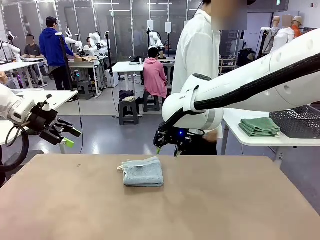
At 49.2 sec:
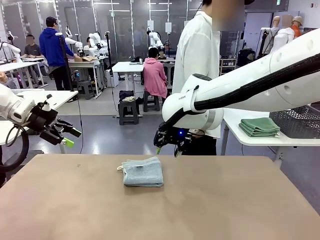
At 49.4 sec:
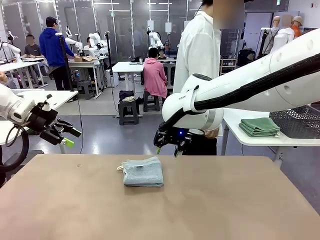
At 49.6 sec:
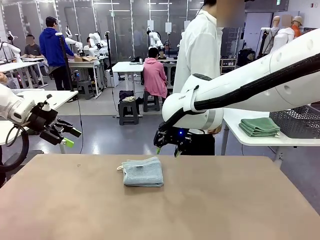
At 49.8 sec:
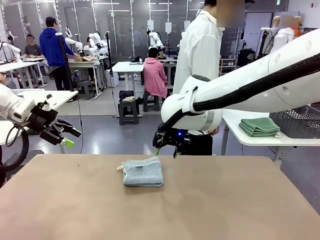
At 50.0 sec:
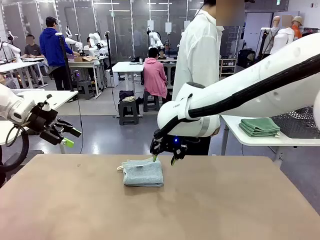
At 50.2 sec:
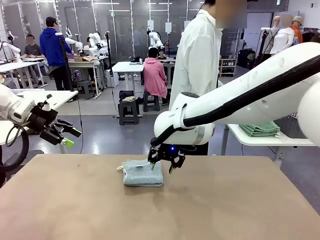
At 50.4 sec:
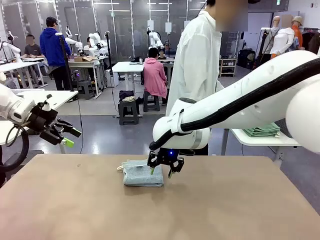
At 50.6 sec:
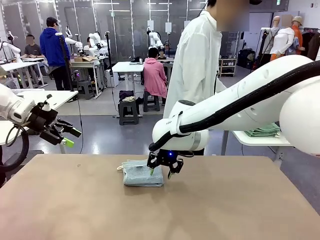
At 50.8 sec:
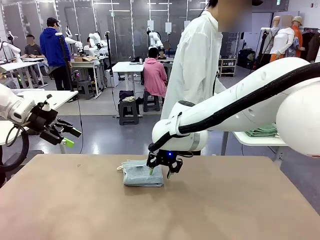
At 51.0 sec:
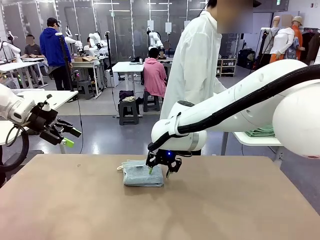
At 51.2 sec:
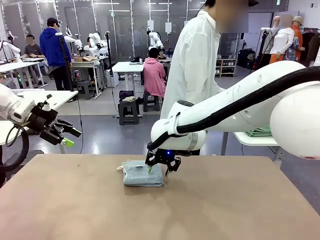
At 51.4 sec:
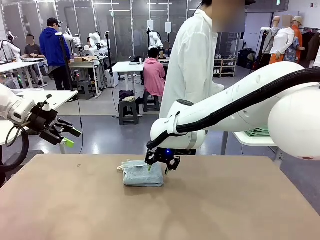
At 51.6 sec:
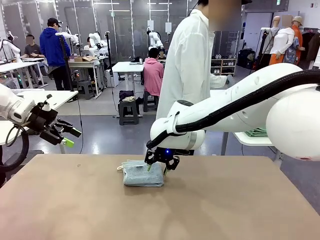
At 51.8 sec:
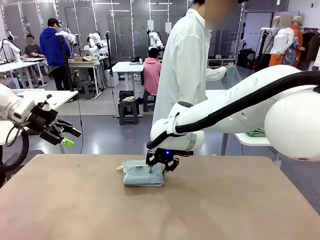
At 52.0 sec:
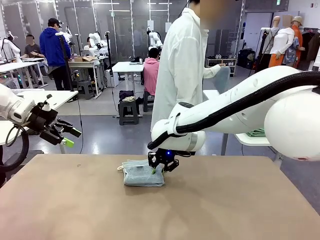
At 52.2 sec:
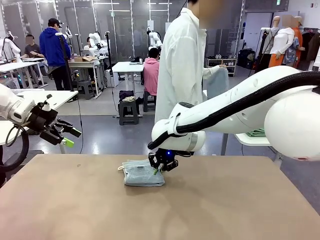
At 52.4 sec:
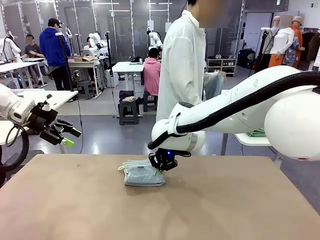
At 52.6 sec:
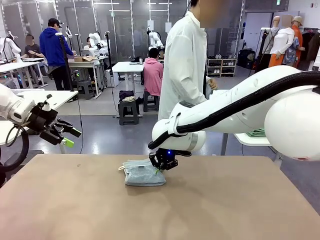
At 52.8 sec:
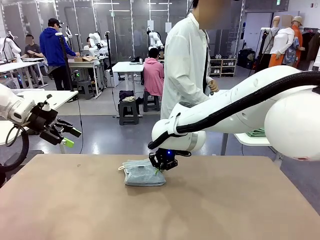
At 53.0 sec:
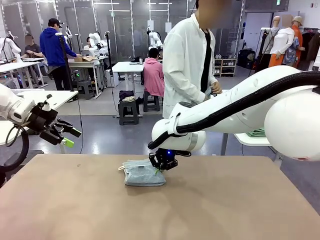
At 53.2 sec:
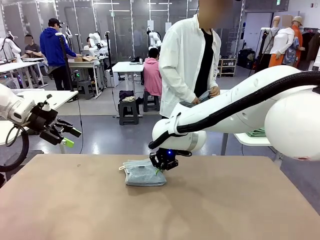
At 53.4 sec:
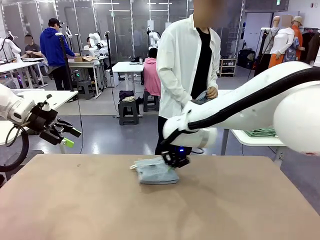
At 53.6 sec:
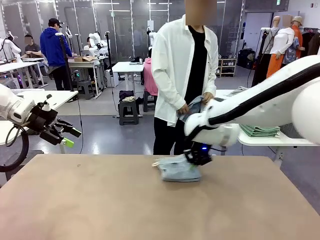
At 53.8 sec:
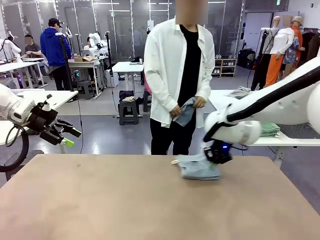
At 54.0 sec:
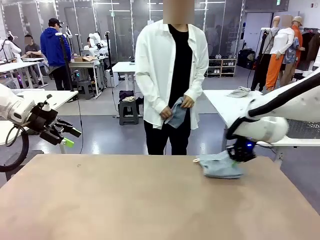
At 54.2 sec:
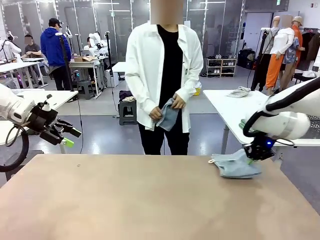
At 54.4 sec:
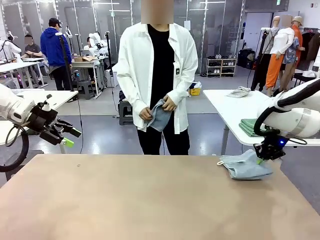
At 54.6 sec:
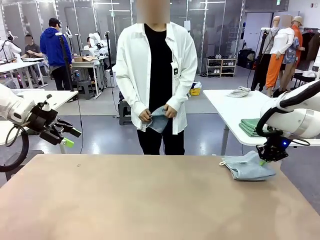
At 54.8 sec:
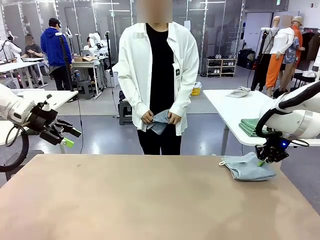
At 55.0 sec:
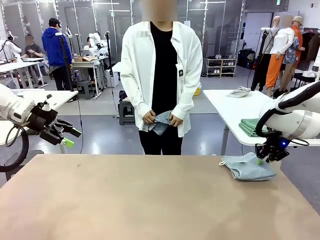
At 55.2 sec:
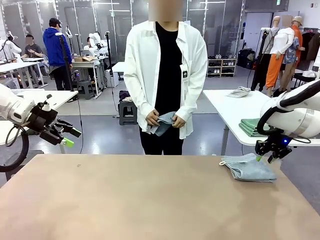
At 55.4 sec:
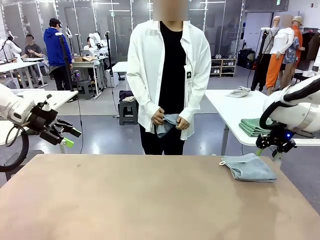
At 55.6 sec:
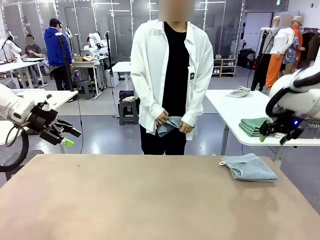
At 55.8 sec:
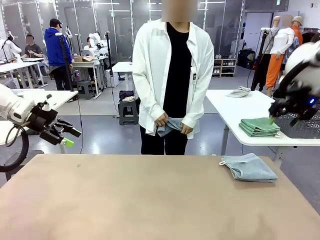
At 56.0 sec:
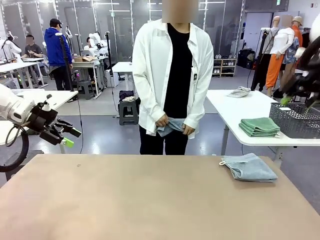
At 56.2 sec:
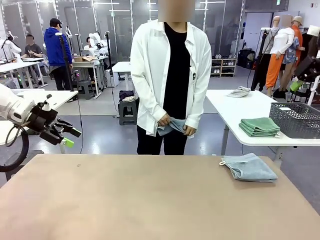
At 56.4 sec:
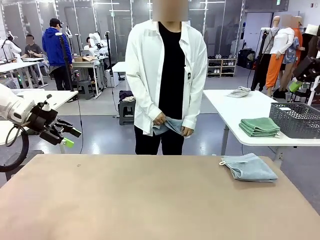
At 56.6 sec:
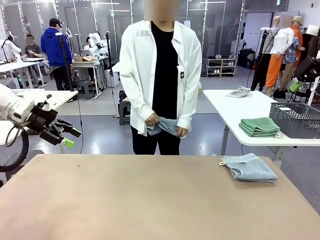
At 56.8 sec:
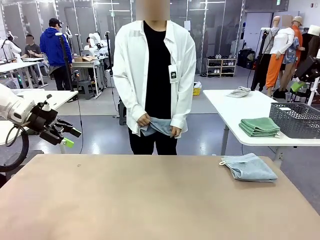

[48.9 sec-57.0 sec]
Task: Fold the towels and place them in the basket.
Robot: Place the folded Towel with hook on the right side of the table.
Person: Pick up one towel from the left side of the human table and spread it out at the center of the robot table.

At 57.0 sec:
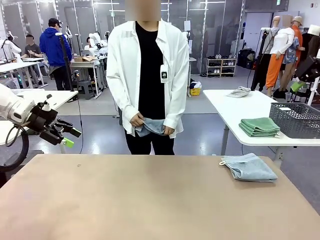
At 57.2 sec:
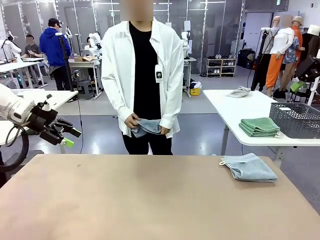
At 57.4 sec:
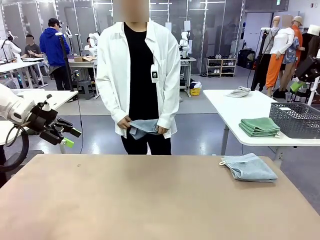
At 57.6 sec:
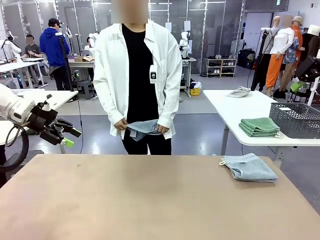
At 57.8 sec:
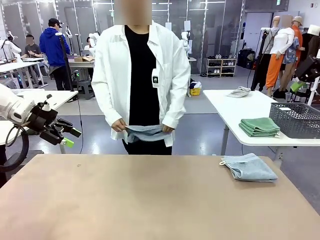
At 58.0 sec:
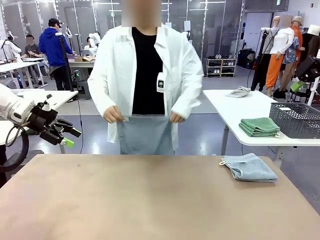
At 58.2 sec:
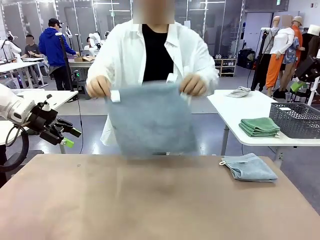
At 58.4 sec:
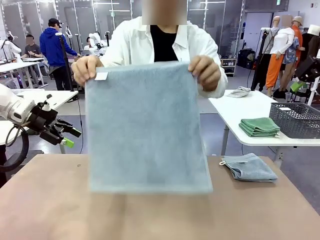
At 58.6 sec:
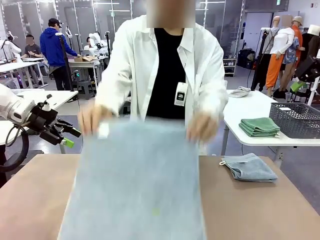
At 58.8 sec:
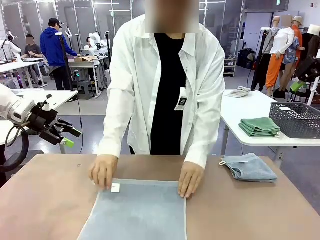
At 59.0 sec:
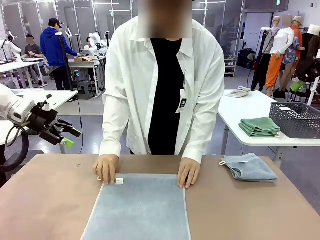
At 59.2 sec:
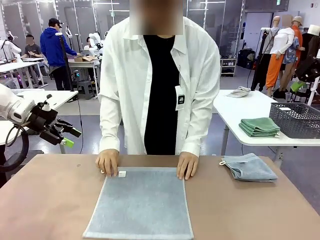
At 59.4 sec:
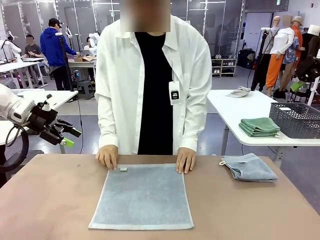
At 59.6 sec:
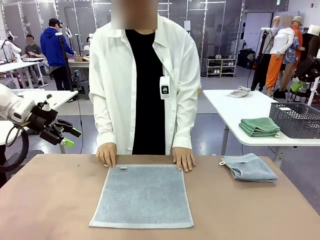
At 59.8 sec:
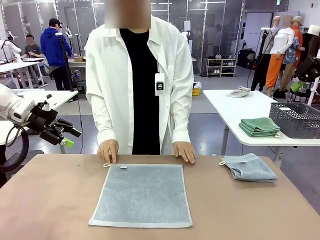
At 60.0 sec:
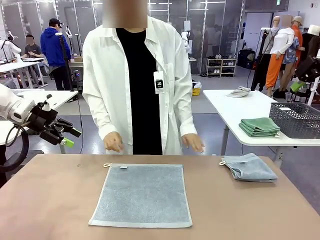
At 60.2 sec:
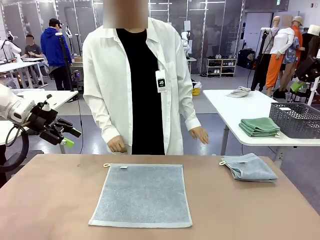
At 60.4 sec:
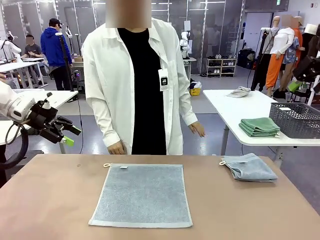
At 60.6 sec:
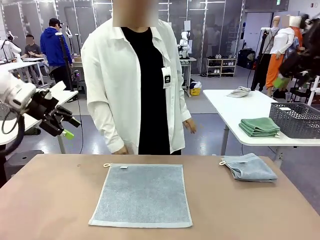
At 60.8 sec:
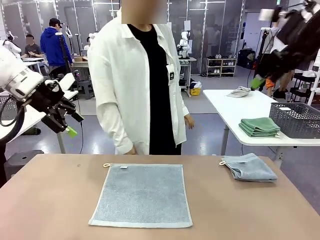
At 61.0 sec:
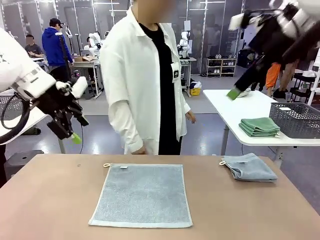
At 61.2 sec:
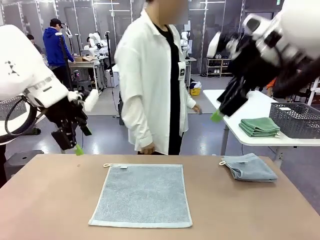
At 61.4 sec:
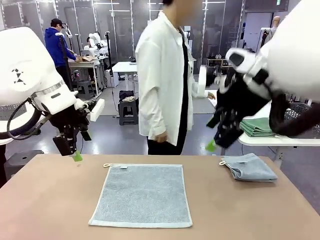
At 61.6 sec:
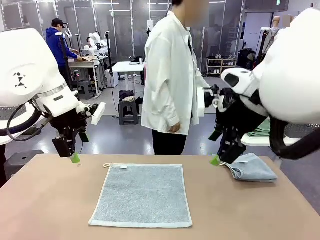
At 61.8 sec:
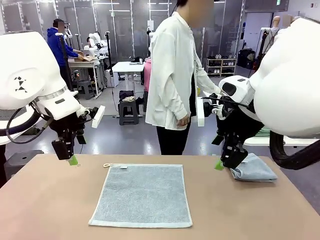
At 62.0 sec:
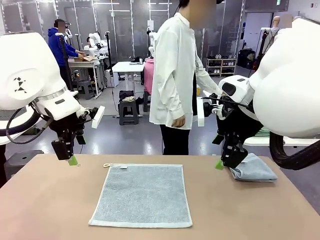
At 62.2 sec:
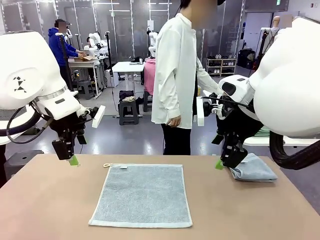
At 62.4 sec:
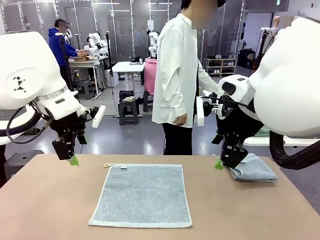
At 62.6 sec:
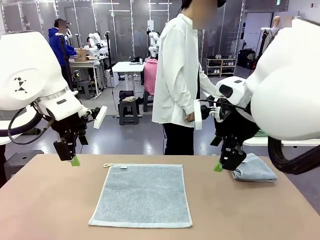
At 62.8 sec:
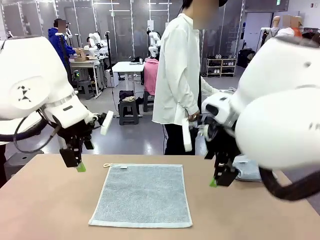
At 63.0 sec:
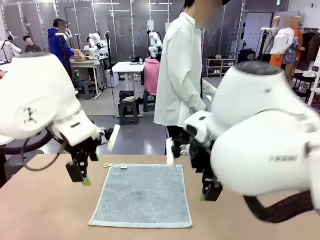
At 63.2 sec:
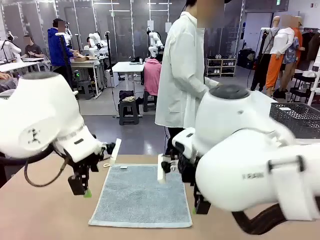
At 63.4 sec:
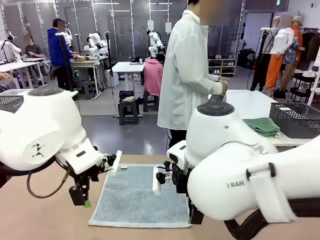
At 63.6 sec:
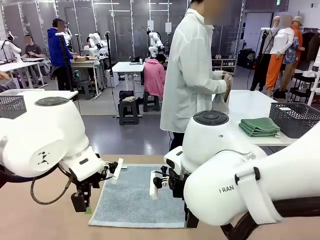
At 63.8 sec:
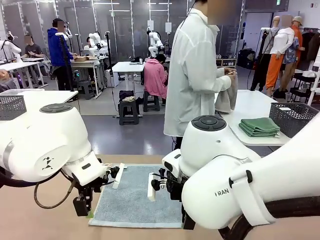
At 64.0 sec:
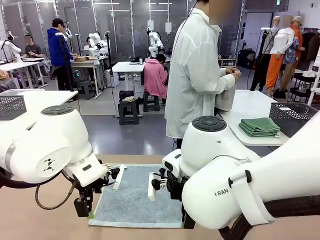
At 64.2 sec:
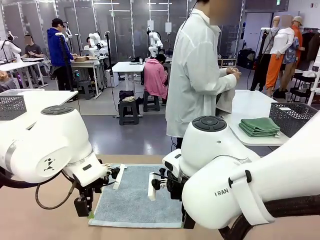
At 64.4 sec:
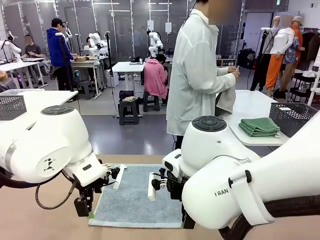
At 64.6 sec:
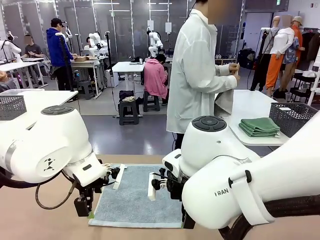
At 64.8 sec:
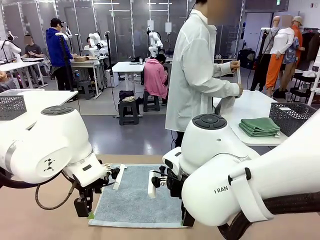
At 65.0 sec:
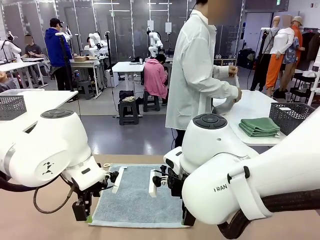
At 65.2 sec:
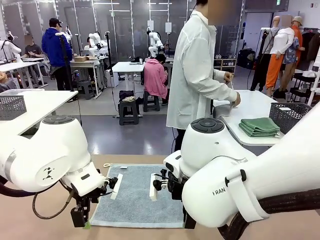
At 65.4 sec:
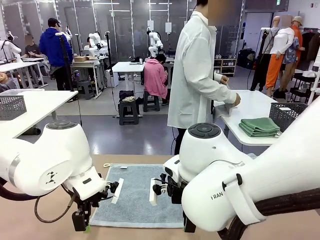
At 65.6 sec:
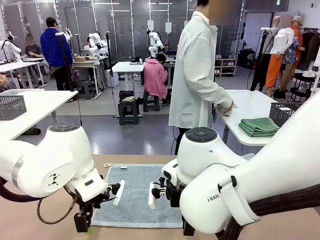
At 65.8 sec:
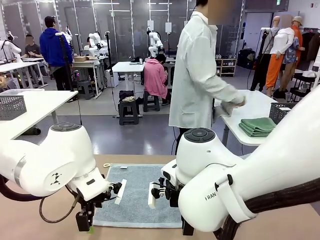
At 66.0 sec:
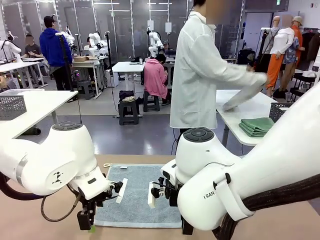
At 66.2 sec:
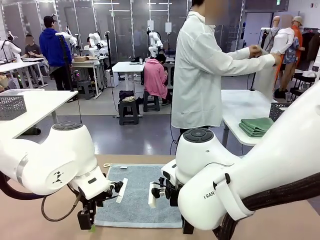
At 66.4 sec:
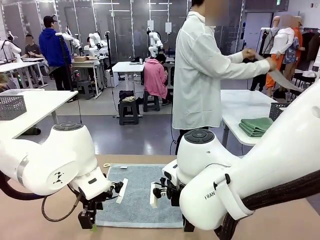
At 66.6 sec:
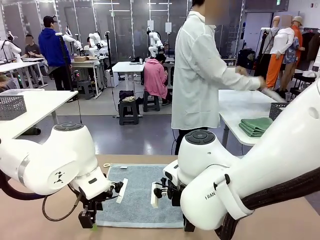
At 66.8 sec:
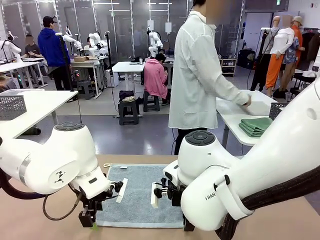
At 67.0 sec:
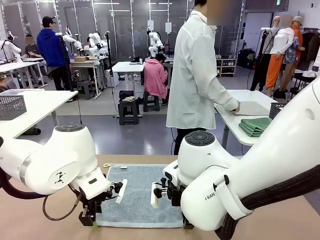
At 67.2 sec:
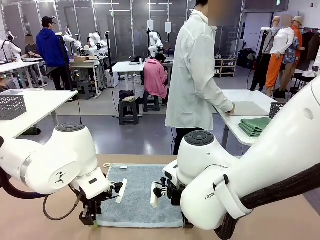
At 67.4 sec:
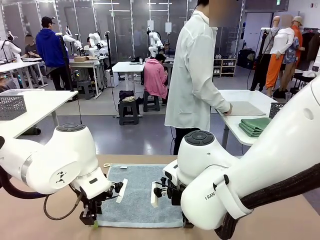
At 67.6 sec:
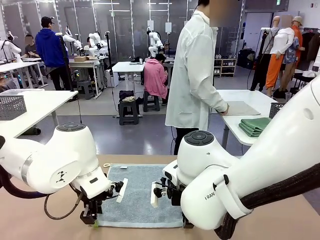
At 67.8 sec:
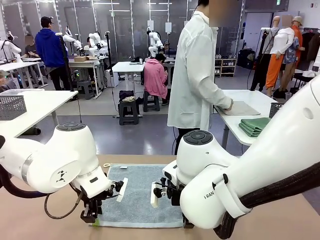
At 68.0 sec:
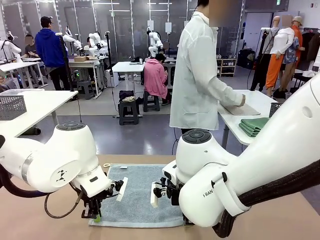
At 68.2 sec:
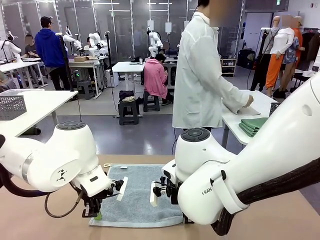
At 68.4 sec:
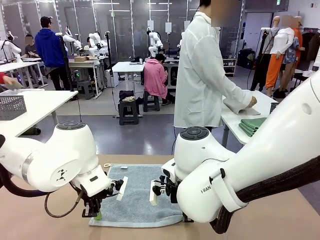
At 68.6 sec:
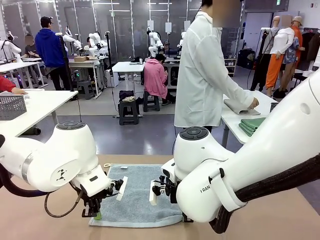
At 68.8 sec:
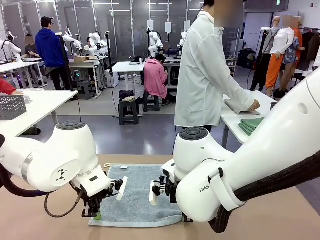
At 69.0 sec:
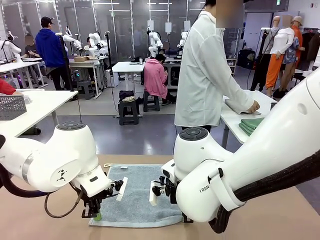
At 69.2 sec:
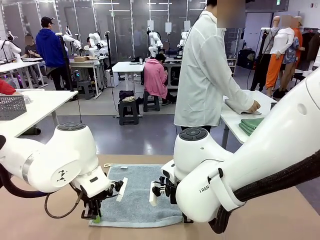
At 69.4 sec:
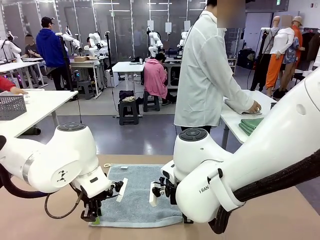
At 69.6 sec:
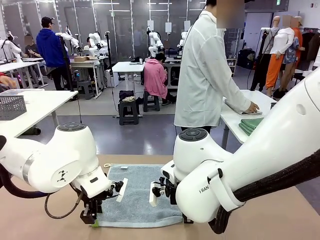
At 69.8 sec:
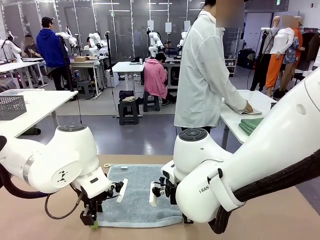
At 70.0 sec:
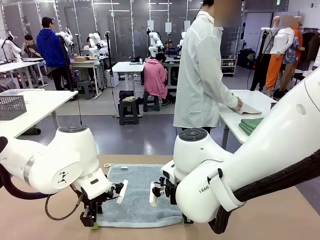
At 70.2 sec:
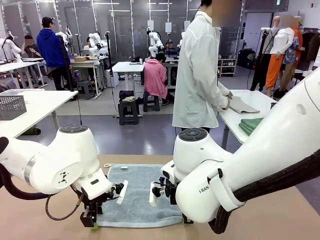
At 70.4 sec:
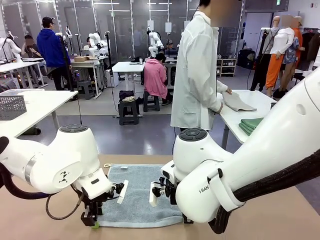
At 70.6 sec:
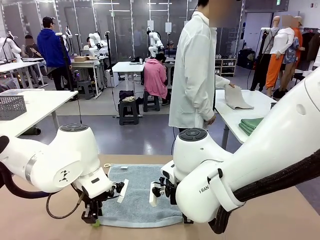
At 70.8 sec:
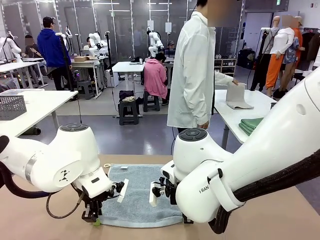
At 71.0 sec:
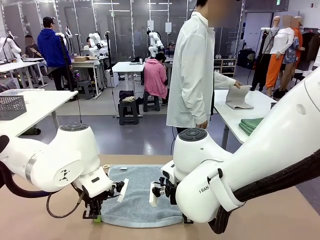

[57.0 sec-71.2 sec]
Robot: When a person lays out a Towel with hook on the table, fold it in half twice.
Person: Pick up one towel from the left side of the human table, fold it in half twice, and stack it on the right side of the table.
